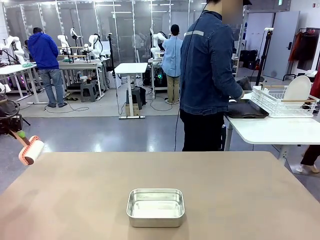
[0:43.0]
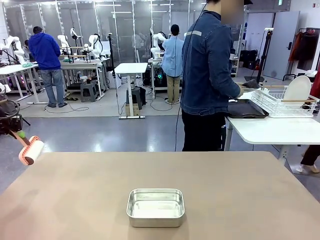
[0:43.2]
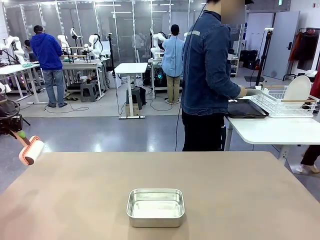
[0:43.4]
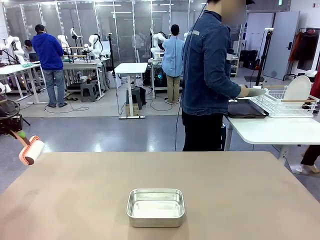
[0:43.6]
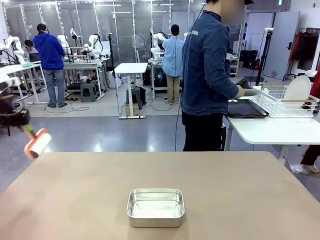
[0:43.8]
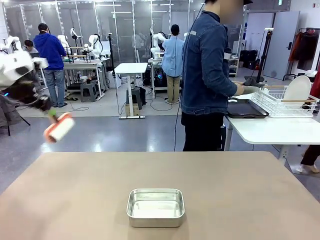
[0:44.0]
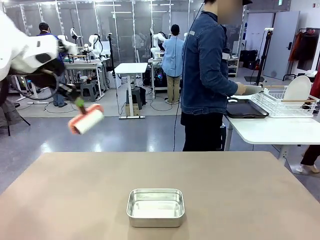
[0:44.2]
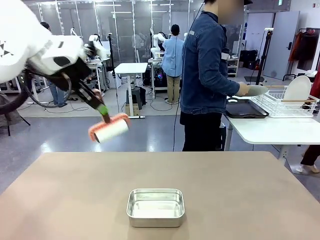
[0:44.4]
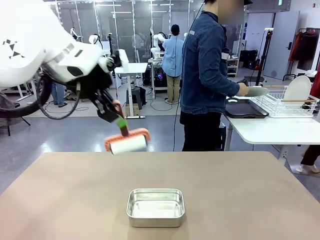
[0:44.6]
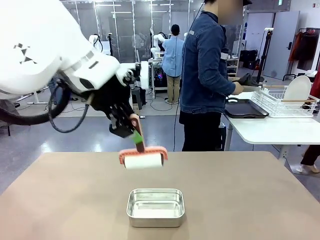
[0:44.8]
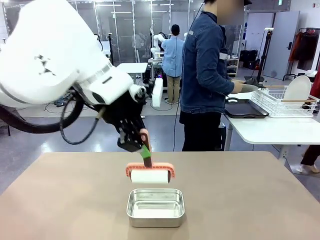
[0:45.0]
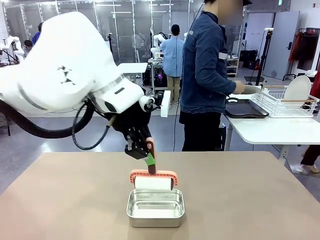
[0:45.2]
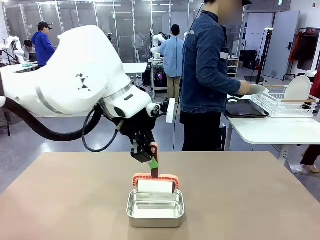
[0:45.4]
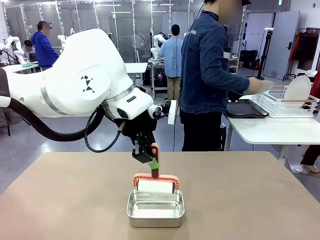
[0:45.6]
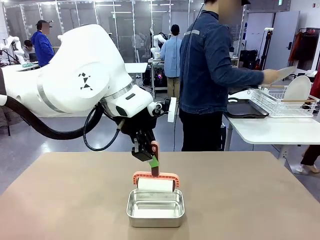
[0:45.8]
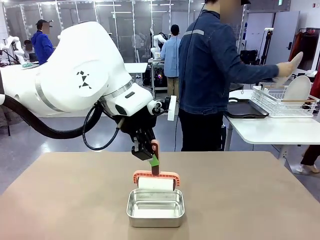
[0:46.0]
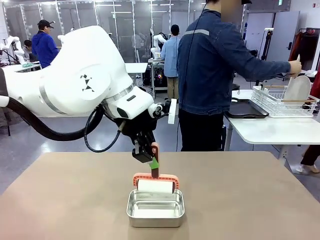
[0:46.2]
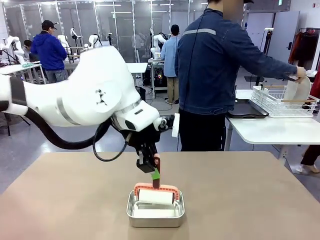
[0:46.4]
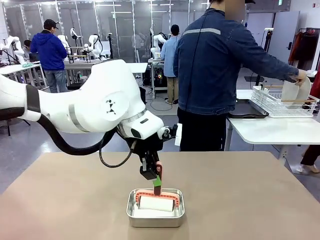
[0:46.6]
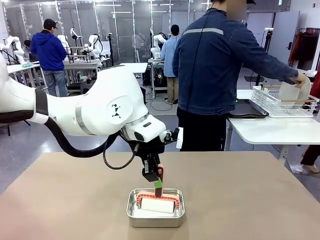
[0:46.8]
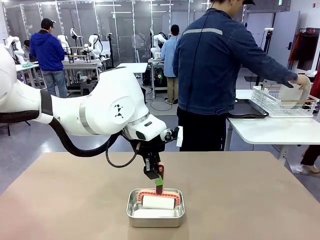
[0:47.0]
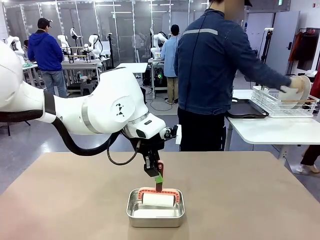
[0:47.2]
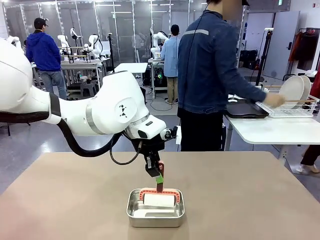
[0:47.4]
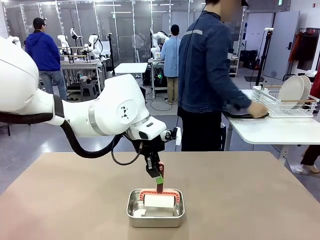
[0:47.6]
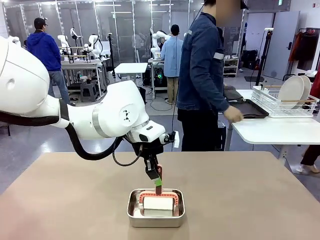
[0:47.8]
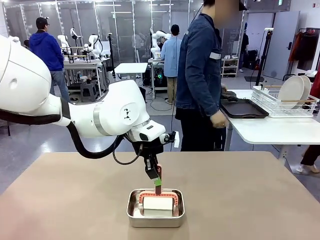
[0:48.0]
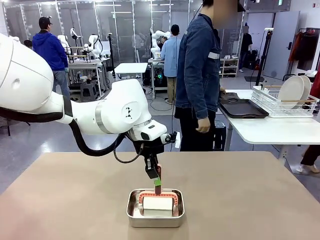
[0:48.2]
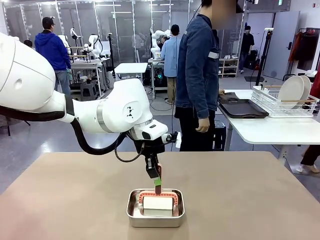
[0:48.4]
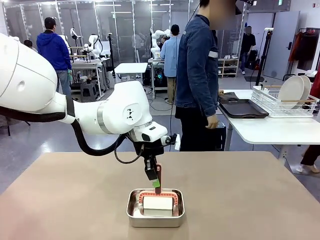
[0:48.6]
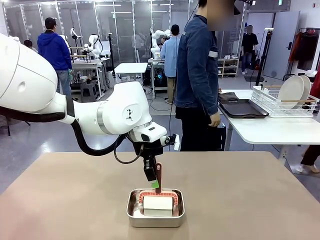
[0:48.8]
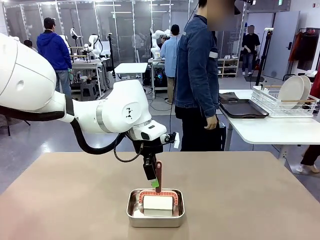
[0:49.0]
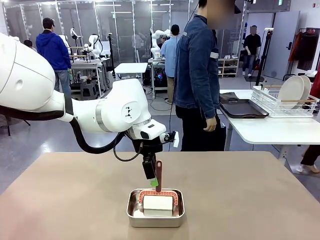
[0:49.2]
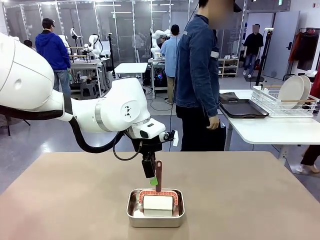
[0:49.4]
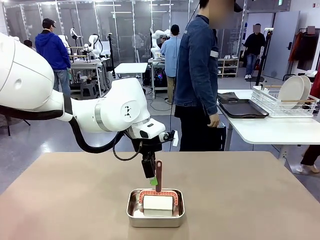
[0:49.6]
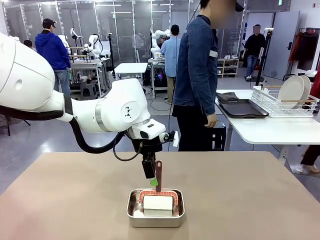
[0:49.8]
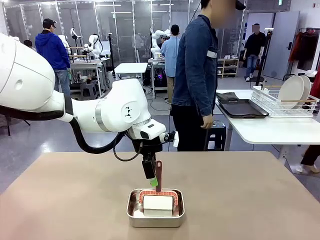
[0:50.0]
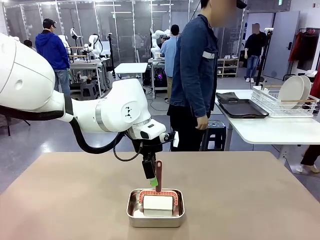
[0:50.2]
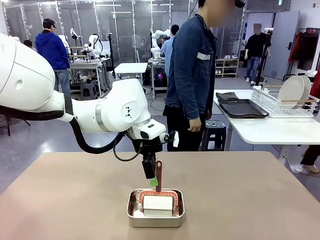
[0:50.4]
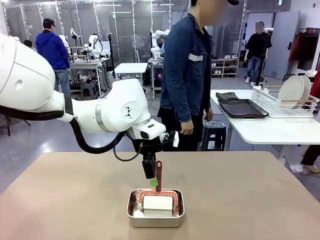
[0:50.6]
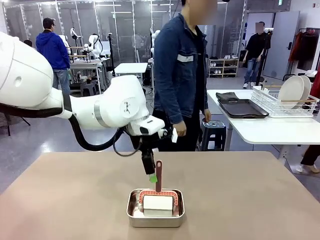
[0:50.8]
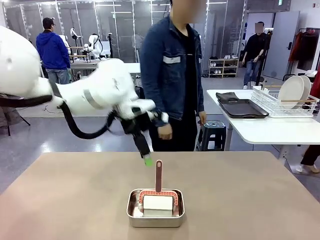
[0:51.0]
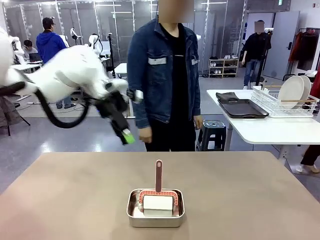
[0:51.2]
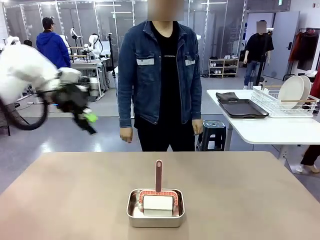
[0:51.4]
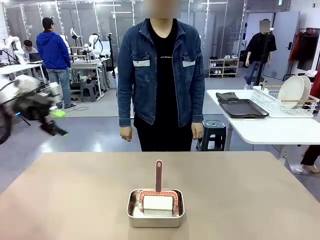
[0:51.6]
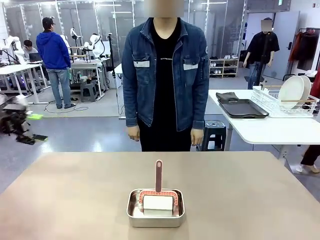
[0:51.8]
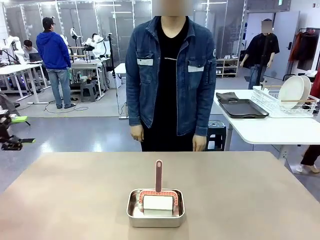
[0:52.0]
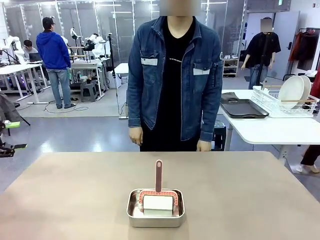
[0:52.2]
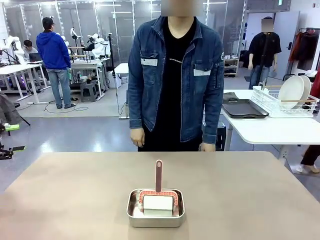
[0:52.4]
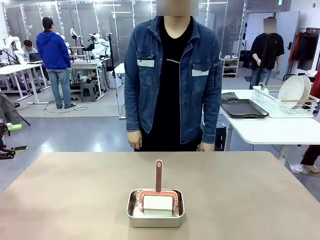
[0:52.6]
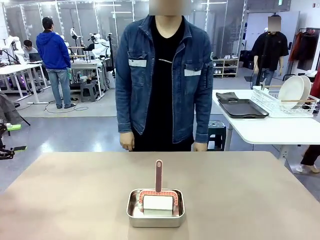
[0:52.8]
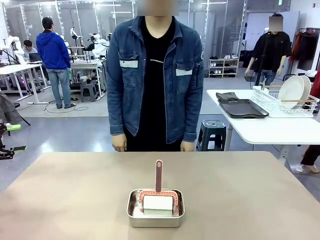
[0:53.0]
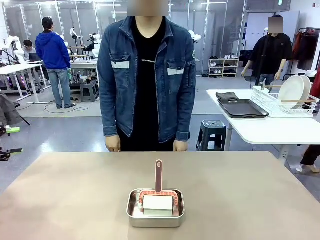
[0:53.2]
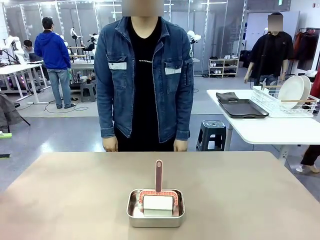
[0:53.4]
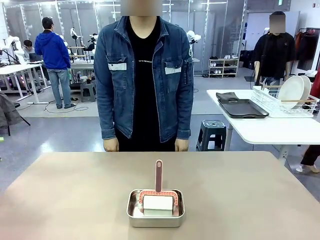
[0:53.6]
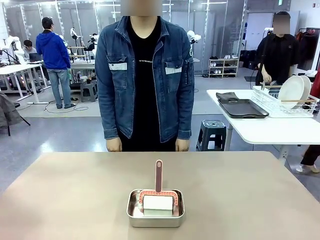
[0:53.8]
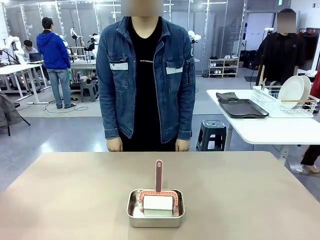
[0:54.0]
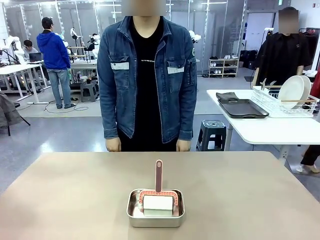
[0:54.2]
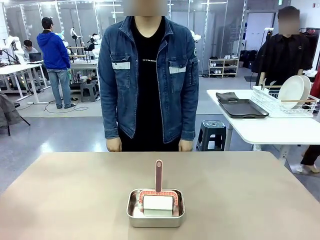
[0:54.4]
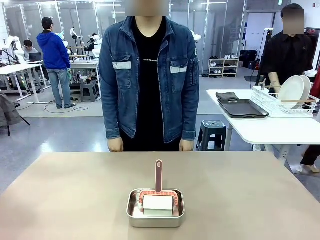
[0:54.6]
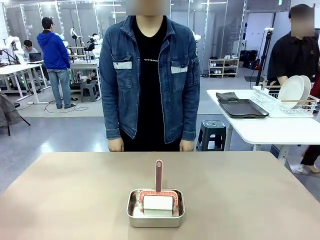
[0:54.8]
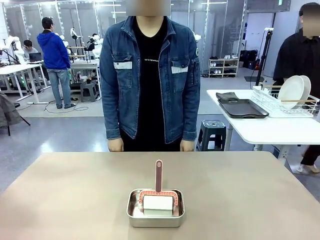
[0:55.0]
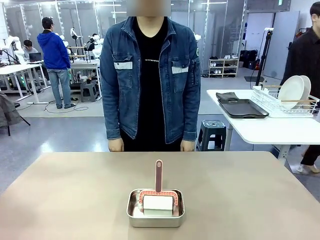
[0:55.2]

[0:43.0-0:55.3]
Robot: Place the Lint Roller back on top of the Airtight Container.
Person: Use the Towel with hook to wipe the Plastic Matte Plate , Fork , and Knife and place into the Dish drying rack.

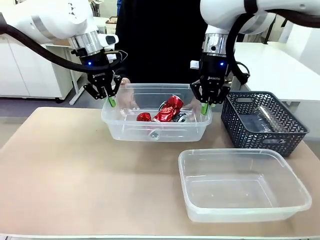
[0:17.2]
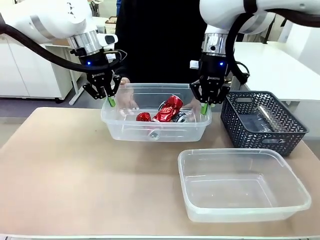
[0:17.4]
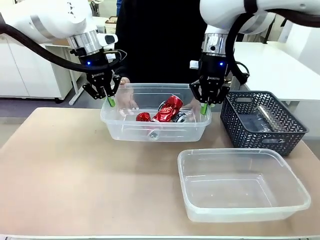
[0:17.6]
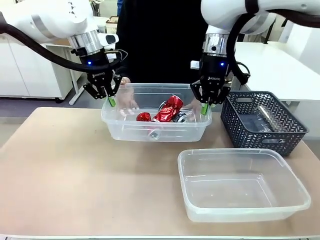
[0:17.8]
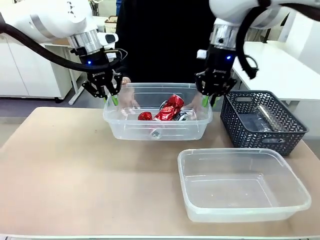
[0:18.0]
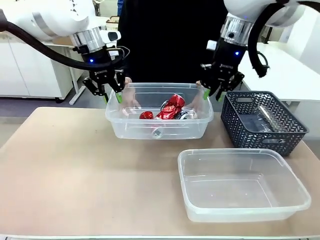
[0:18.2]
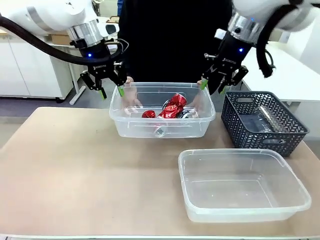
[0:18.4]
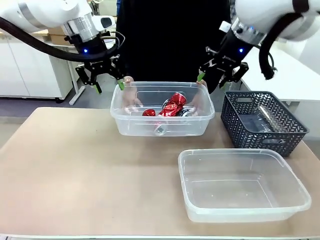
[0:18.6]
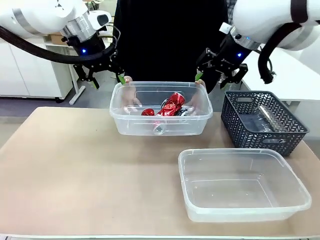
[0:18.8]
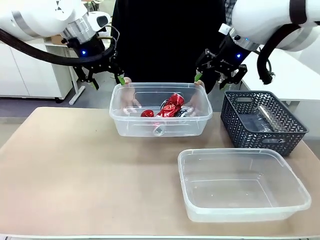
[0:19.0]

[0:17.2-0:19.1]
Robot: Release the Organizing box you were holding.

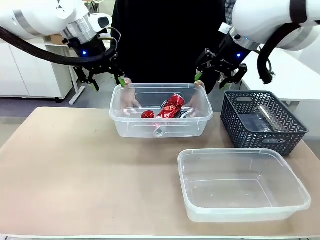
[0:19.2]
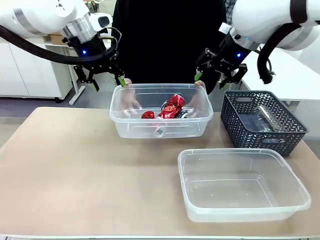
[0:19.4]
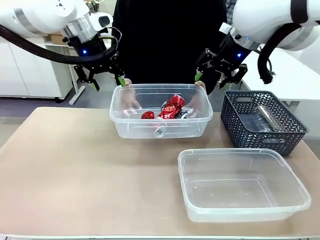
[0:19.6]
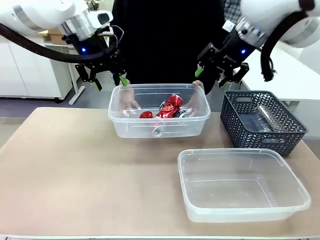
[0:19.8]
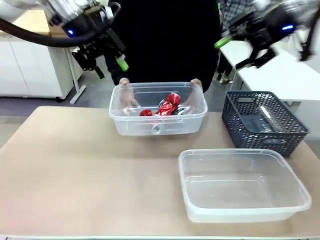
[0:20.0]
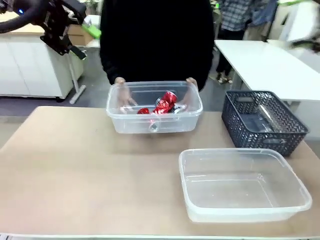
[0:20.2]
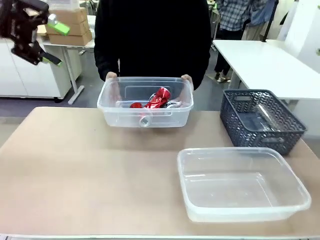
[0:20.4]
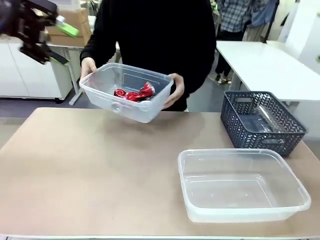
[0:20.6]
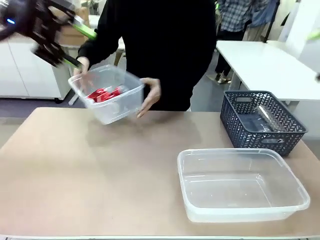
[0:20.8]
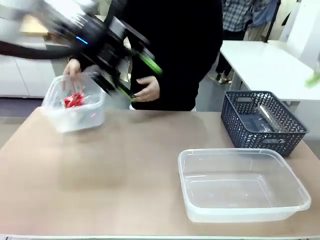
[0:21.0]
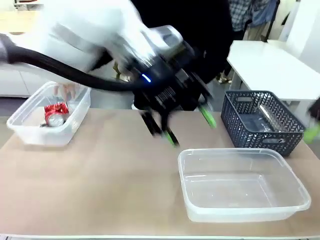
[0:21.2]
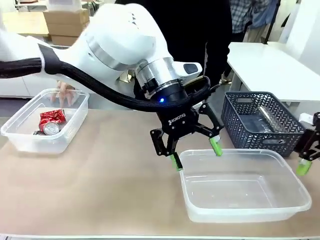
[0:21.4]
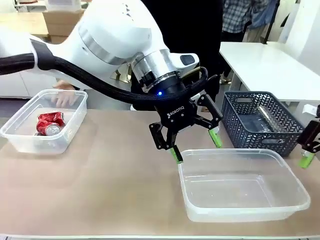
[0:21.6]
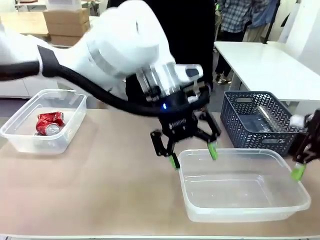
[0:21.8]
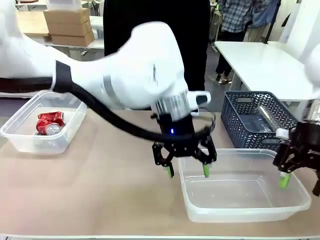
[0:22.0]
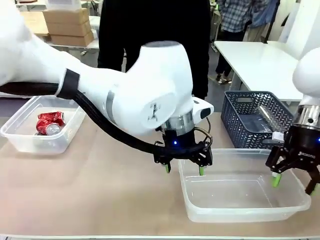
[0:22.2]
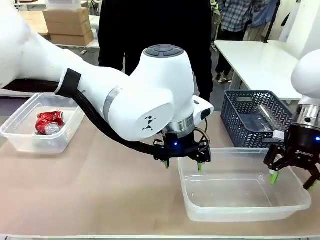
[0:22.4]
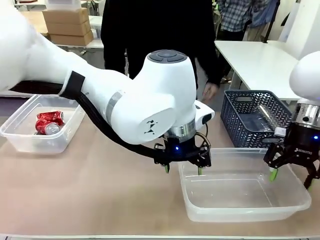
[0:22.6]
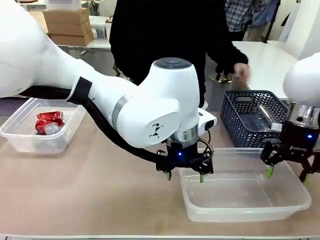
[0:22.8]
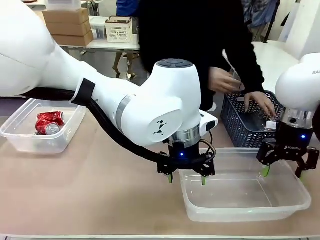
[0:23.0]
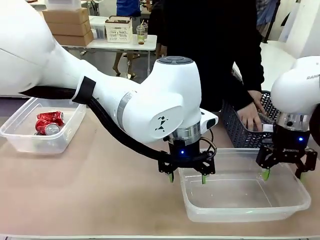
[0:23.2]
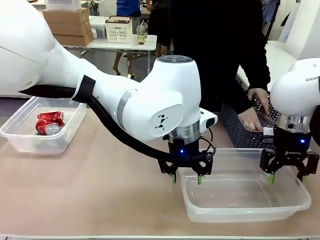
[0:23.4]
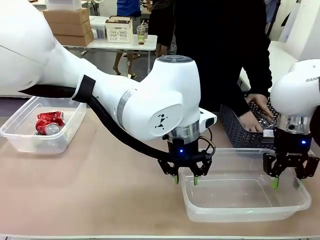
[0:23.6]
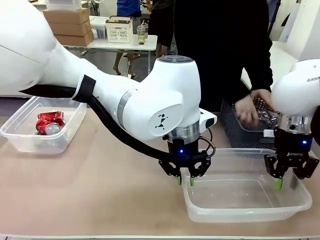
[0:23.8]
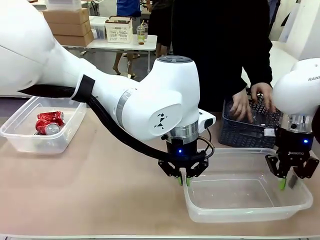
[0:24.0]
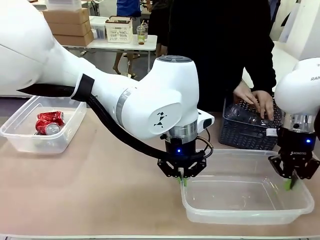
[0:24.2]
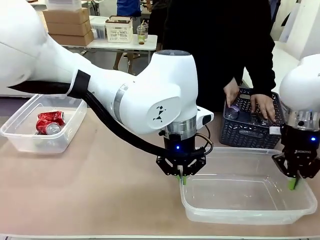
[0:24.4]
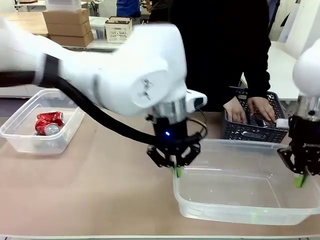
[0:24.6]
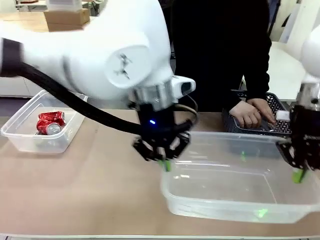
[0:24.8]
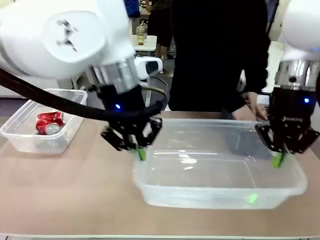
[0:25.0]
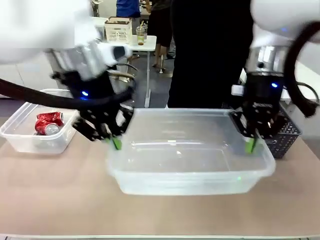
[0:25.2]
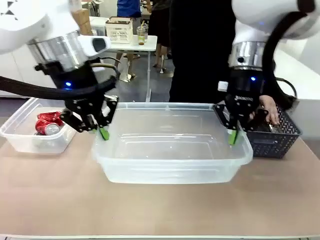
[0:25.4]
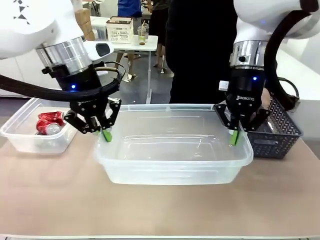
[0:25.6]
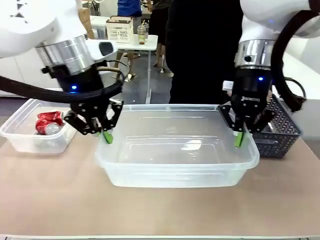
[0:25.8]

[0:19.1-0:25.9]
Robot: Pick up the Organizing box on the right side of the table and lift it.
Person: Place it at the edge of the bottom right area of the robot table.
